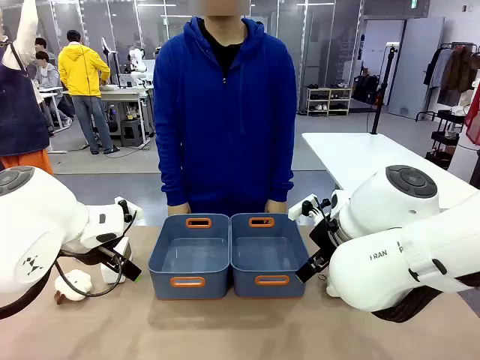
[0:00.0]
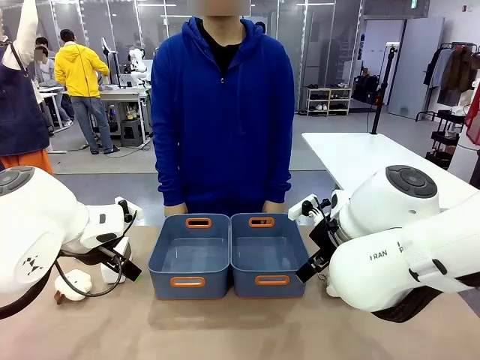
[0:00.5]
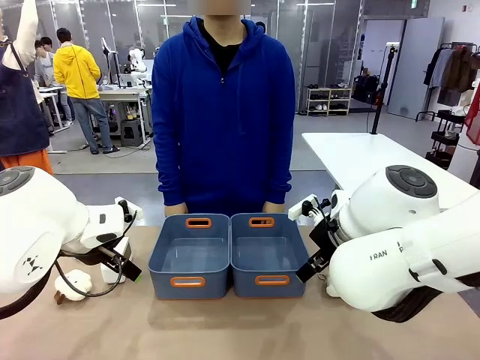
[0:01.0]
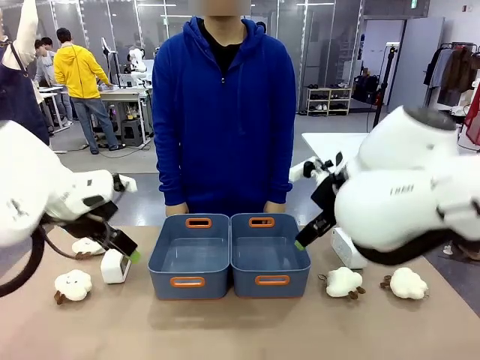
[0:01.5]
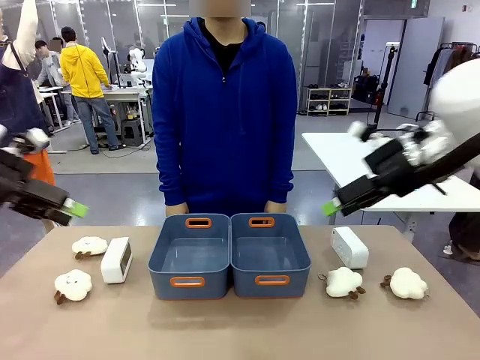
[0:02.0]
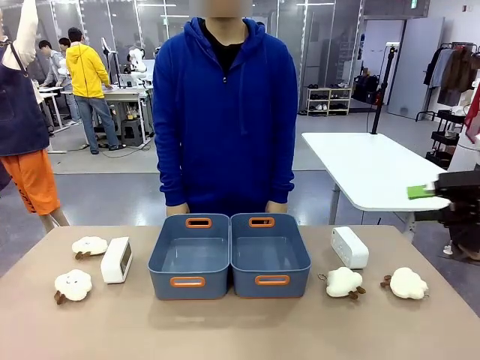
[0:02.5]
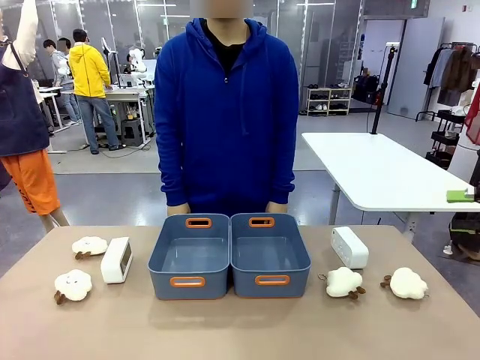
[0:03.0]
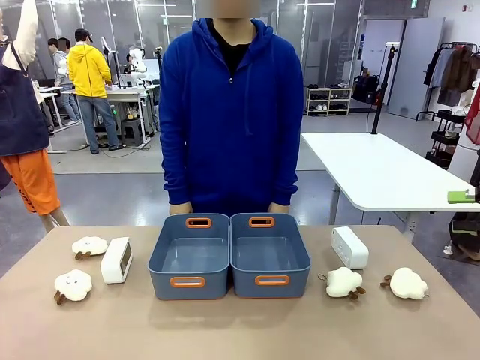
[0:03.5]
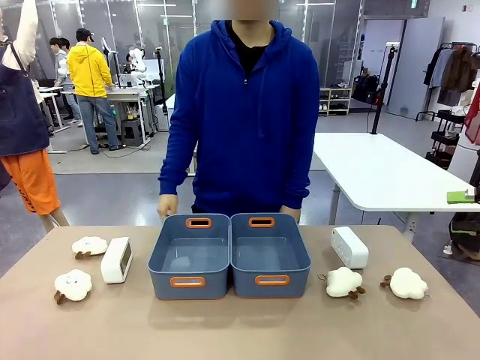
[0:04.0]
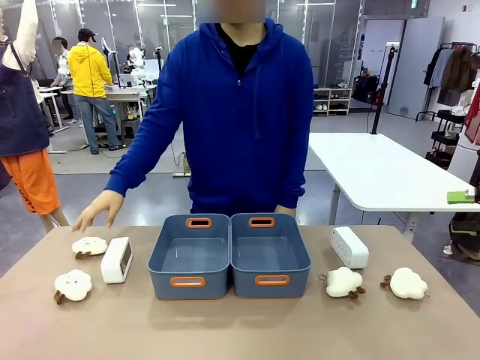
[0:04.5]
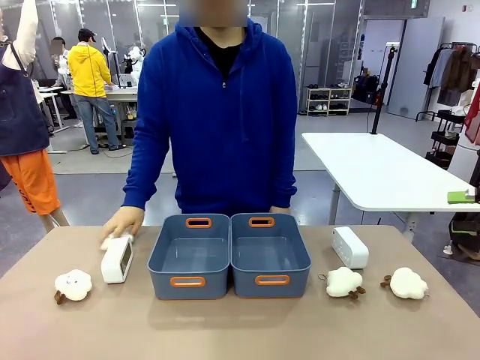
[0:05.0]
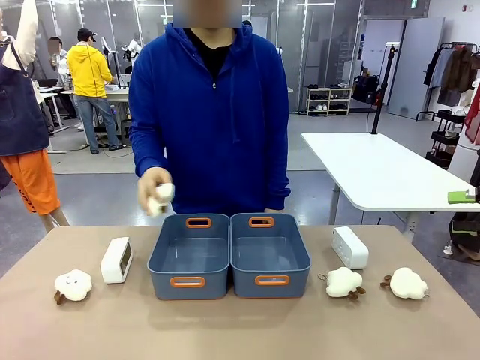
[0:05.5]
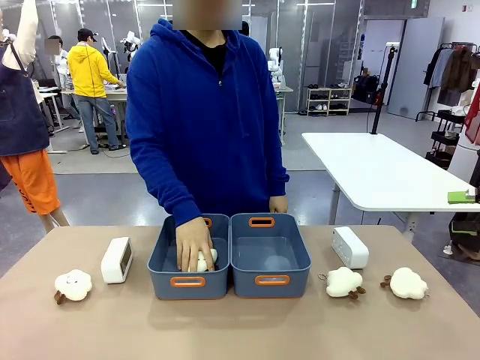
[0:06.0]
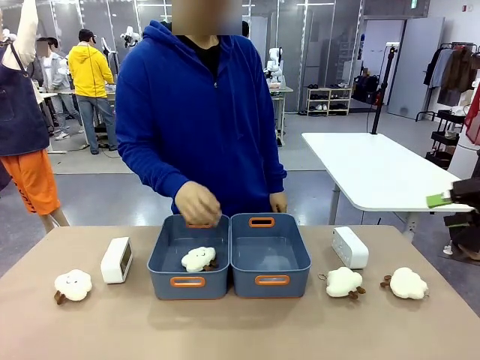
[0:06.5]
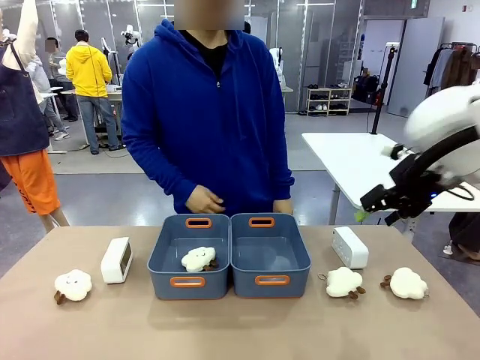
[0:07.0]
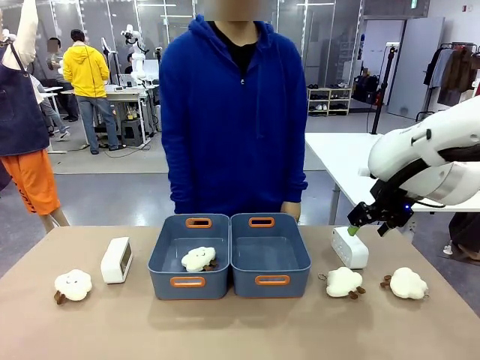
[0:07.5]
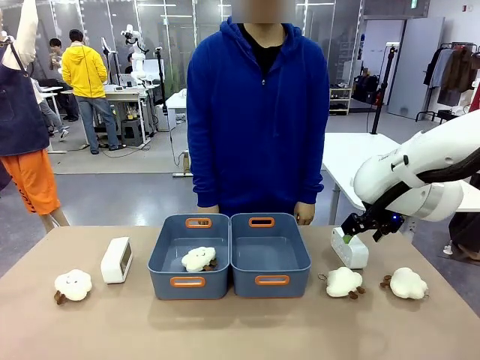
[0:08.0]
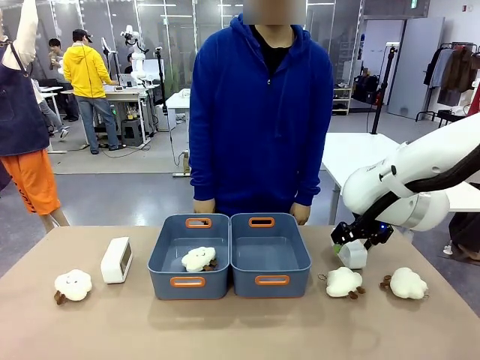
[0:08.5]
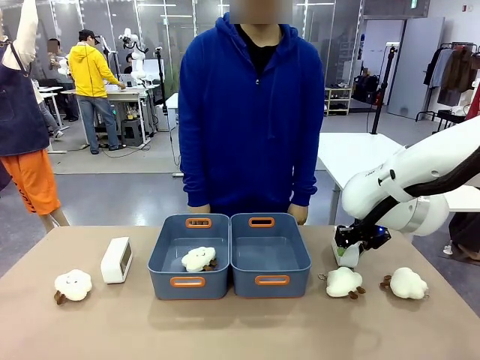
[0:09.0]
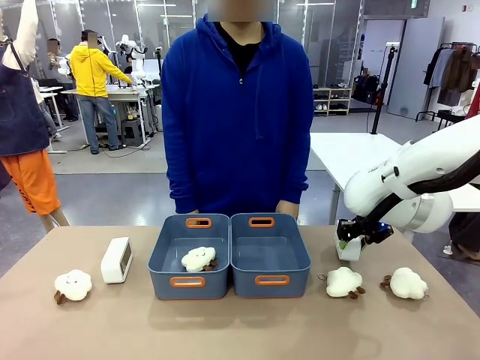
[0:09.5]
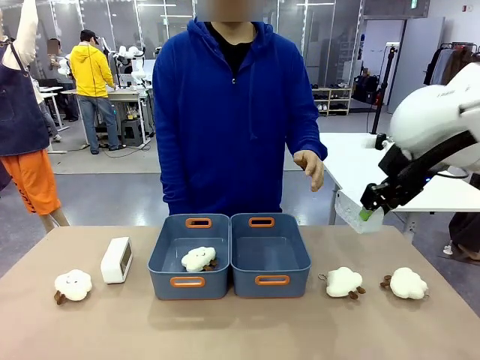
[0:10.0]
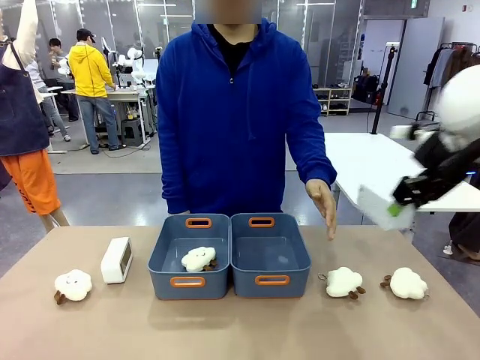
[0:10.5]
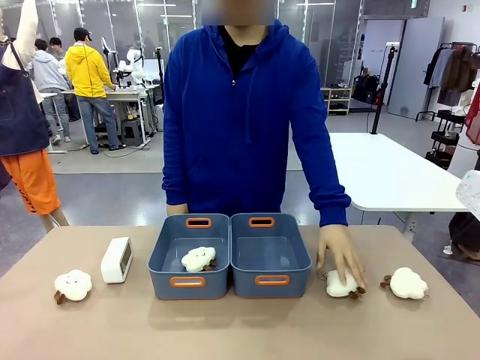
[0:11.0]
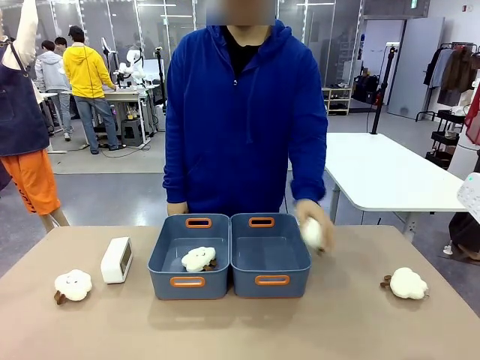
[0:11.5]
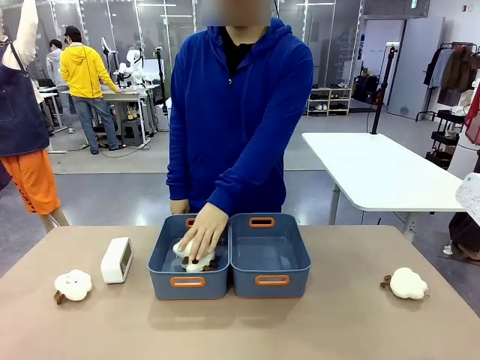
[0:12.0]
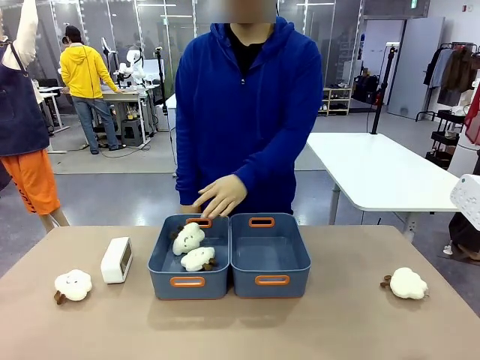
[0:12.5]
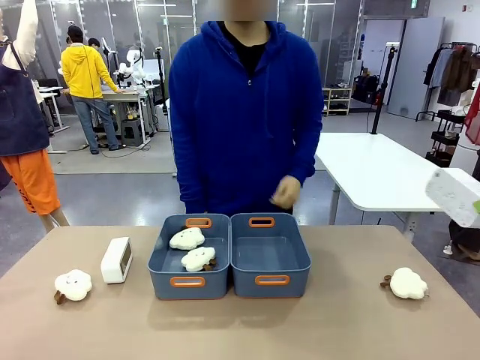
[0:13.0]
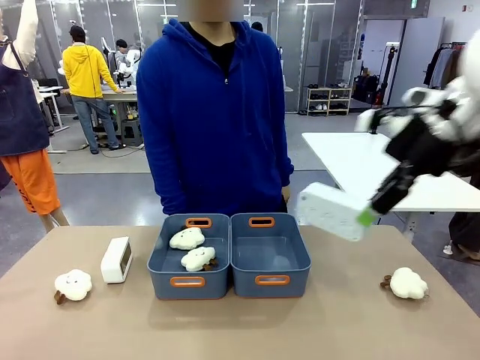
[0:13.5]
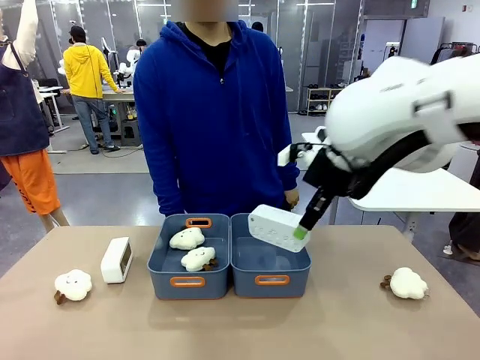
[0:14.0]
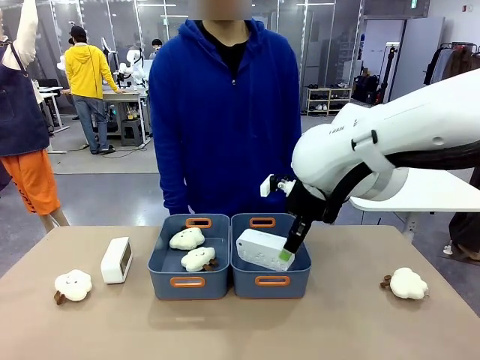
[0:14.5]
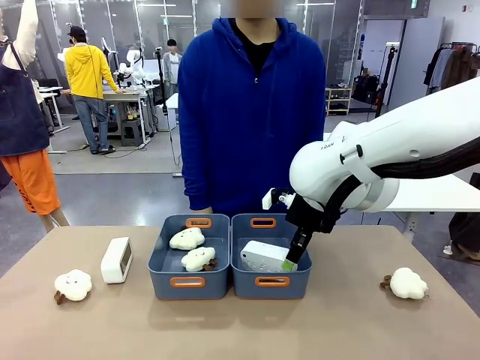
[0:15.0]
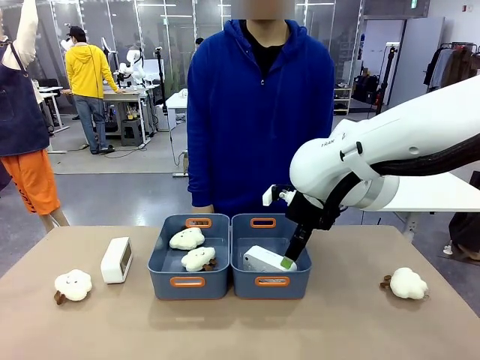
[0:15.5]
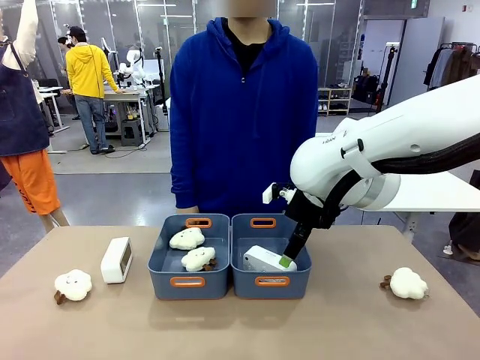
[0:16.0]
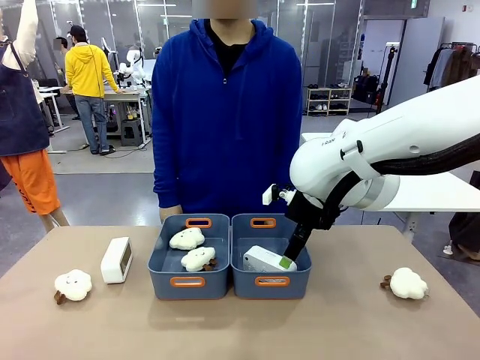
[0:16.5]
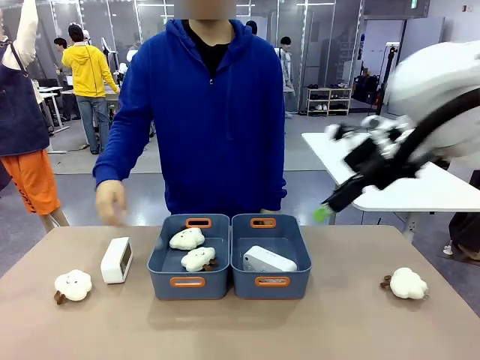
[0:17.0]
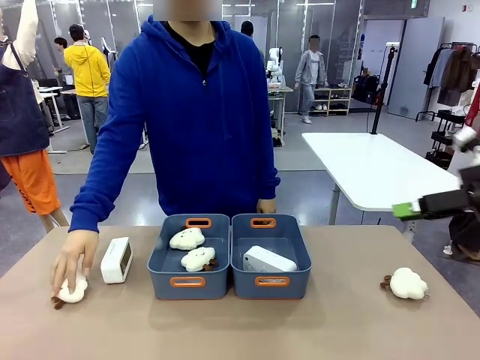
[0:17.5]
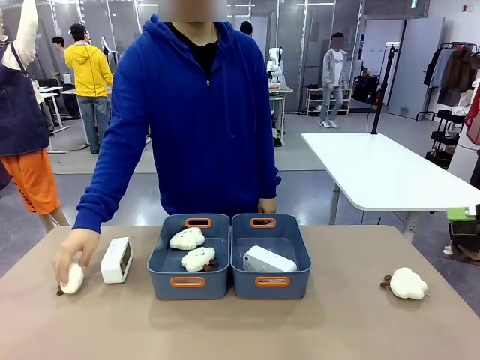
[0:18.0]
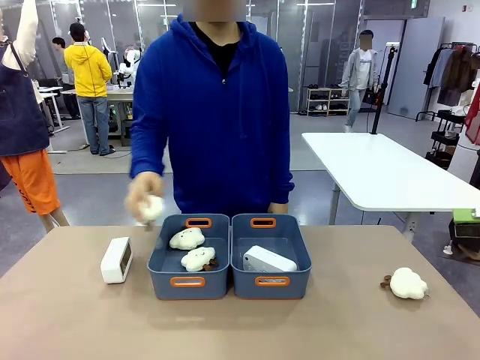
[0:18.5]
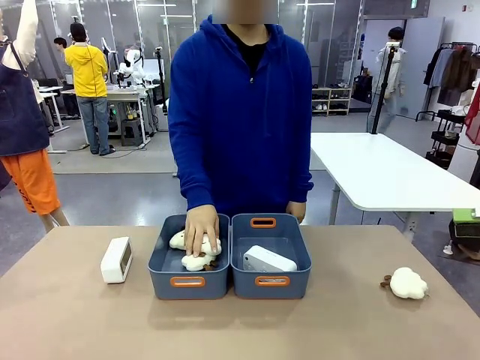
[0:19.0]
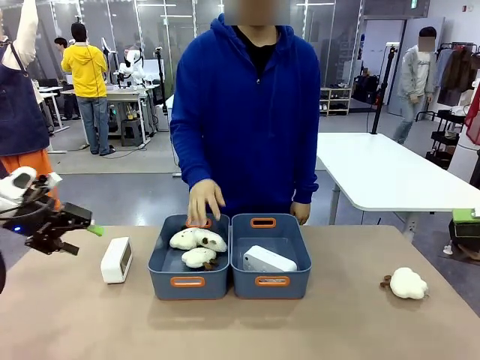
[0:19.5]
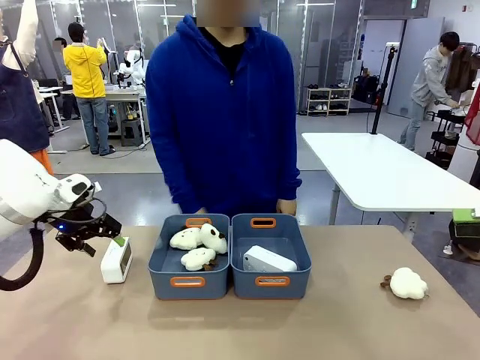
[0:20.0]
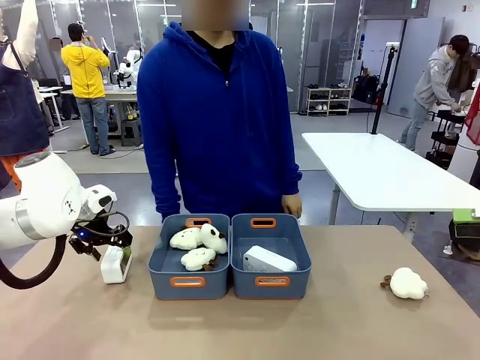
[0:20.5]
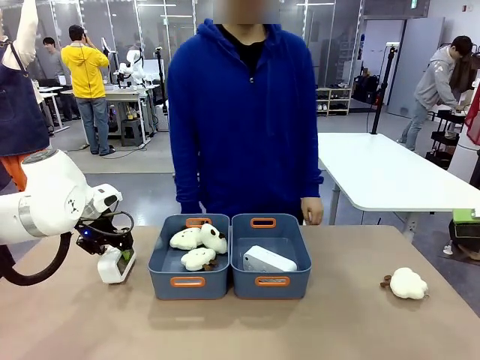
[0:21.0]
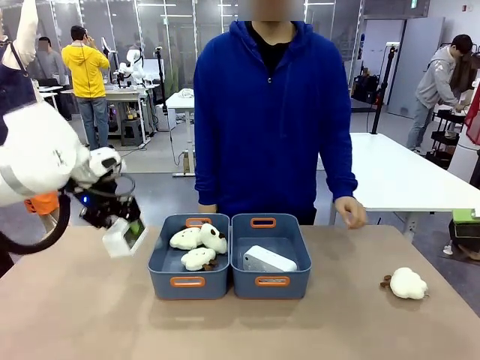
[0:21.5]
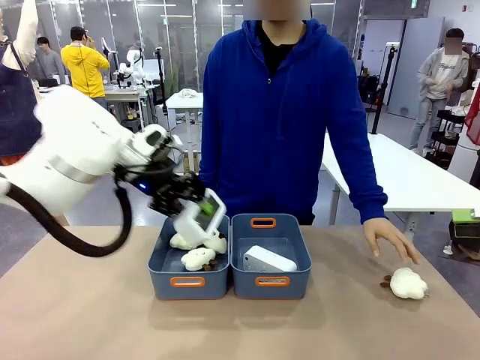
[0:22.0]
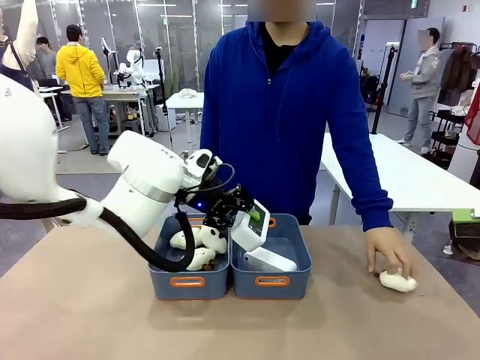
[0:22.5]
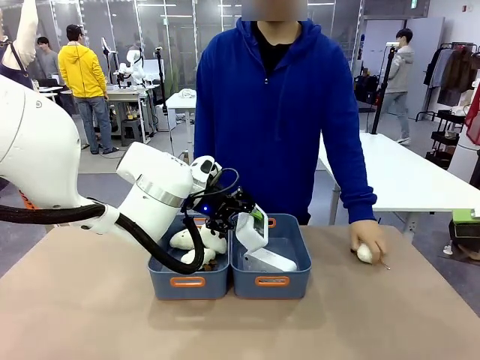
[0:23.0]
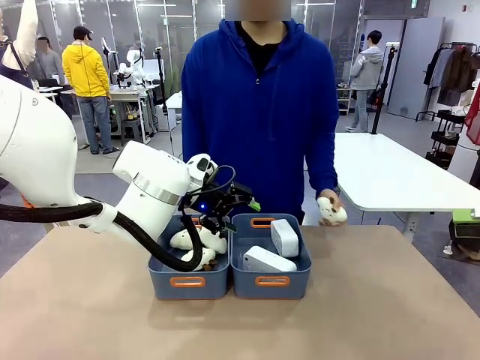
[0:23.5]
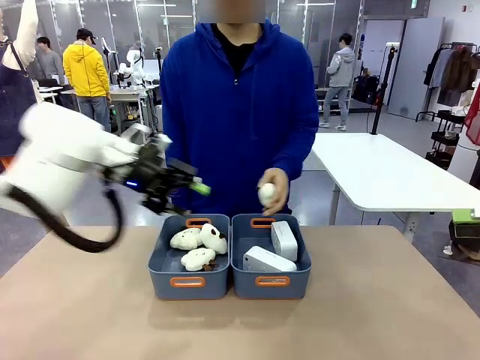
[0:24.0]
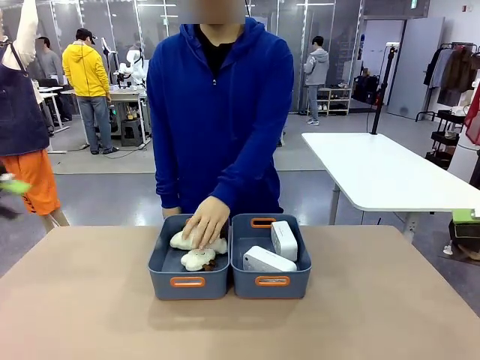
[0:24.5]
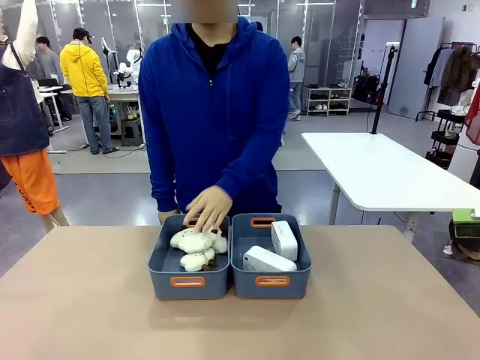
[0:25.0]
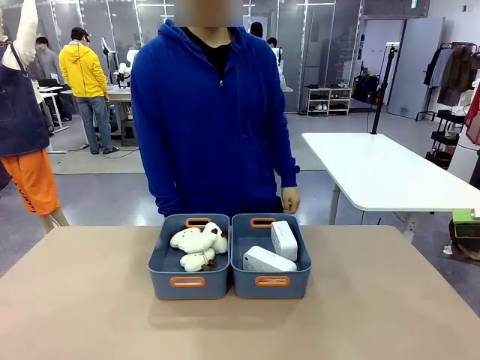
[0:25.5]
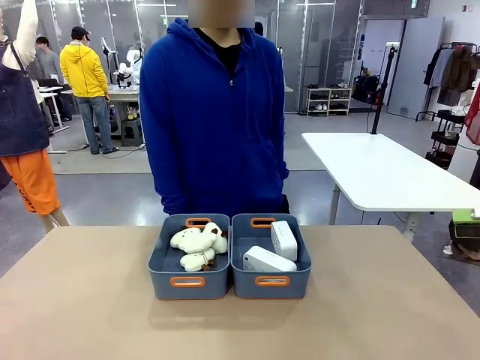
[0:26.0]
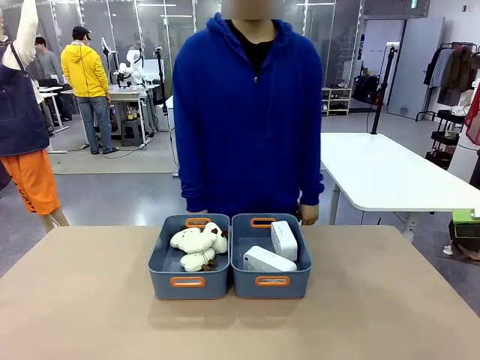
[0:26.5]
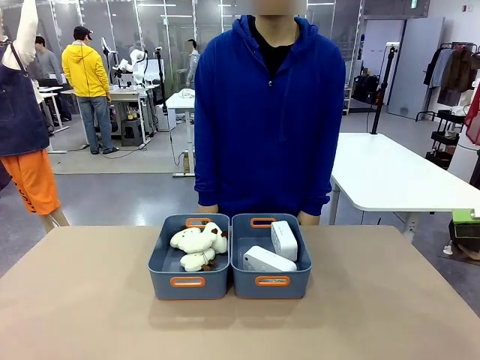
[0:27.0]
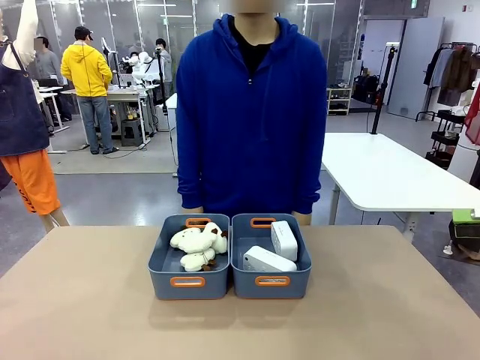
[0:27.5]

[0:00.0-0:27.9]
Task: Sort the digital clocks into the basket.
Robot: Pick up the Digital clock from the table and place it into the empty Plastic storage basket.
Person: Pick up a plush toy from the table and place it in a plastic storage basket. Pick up a plush toy from the table and place it in the plastic storage basket containing the plush toy.
